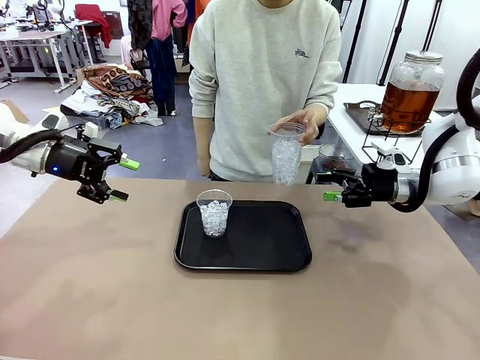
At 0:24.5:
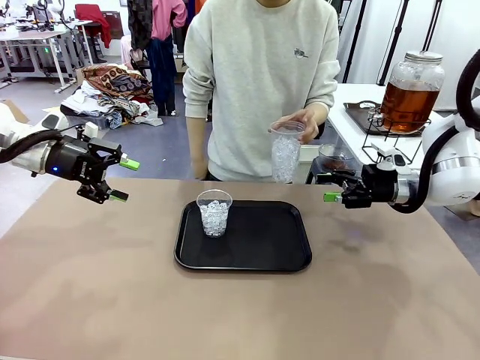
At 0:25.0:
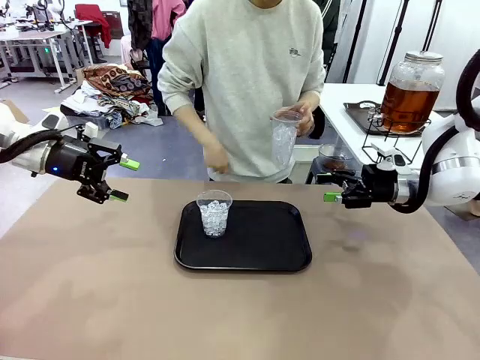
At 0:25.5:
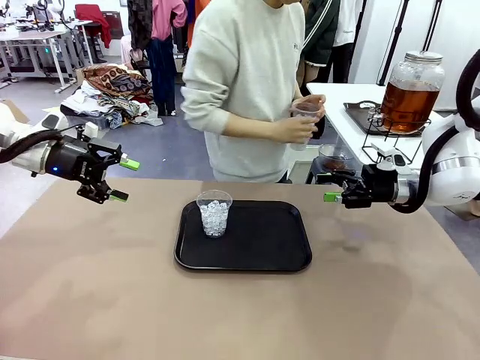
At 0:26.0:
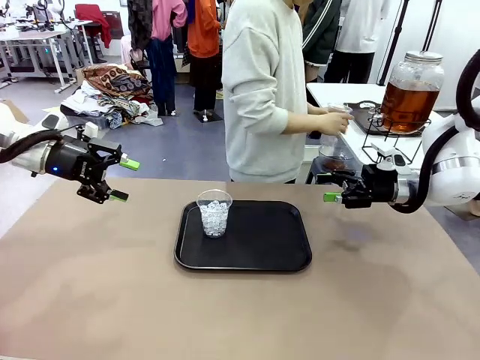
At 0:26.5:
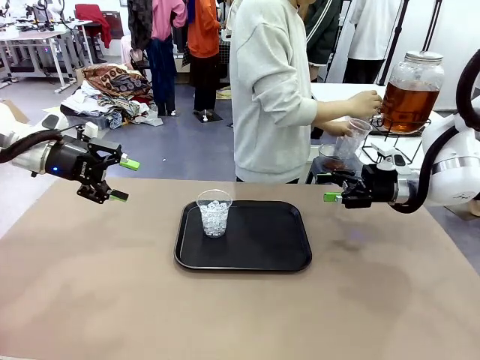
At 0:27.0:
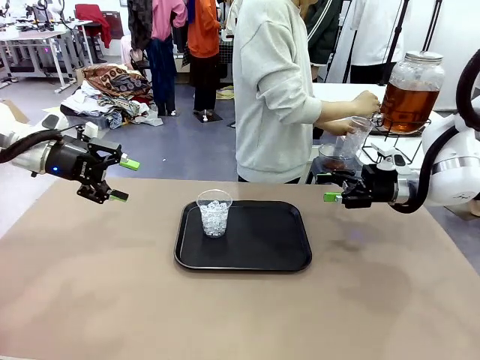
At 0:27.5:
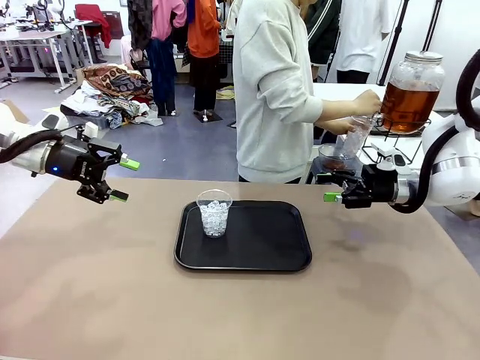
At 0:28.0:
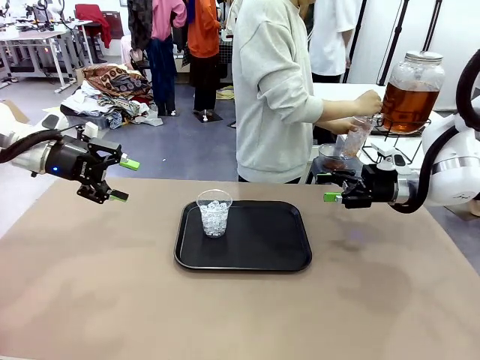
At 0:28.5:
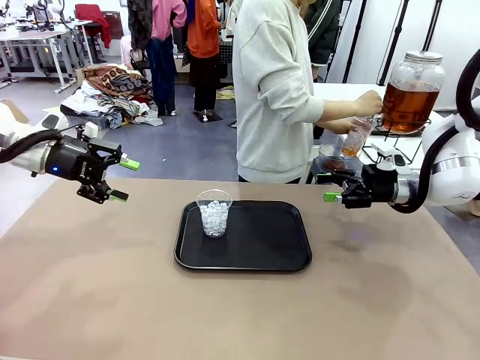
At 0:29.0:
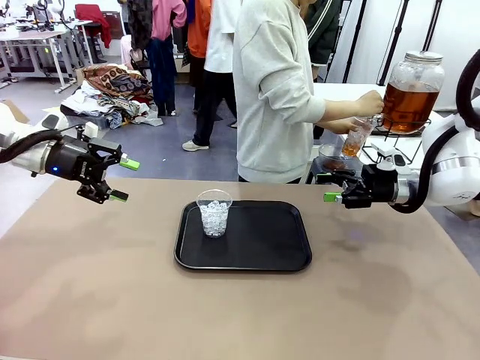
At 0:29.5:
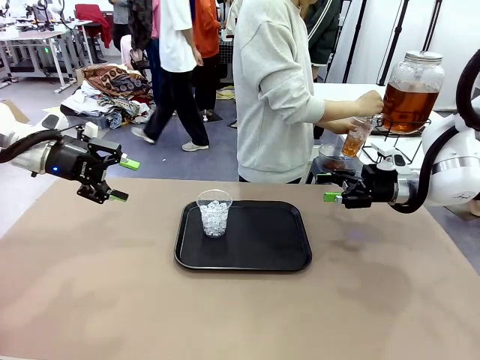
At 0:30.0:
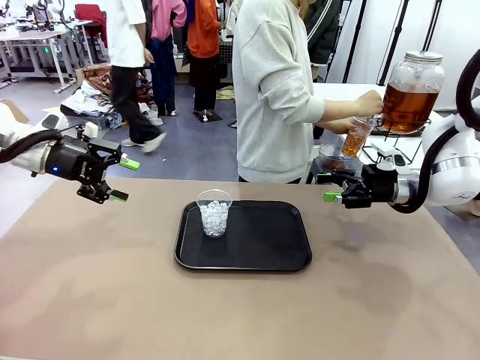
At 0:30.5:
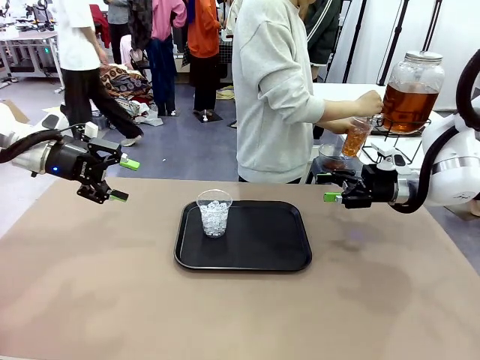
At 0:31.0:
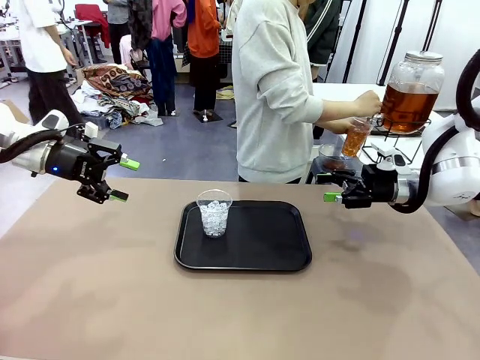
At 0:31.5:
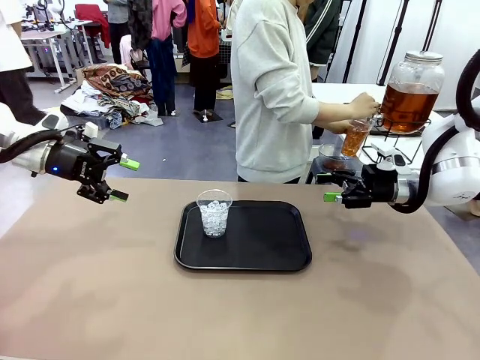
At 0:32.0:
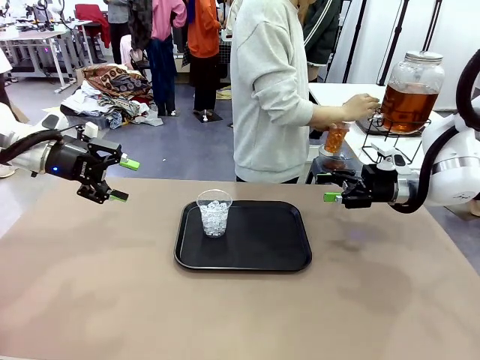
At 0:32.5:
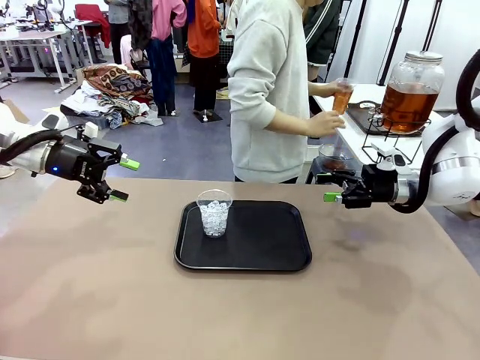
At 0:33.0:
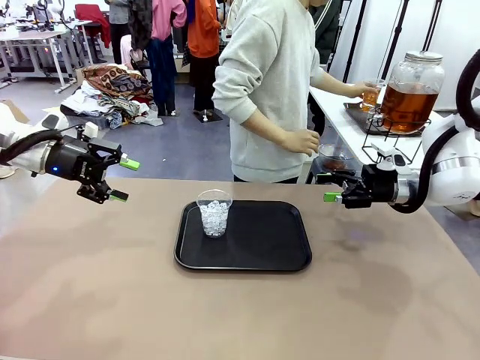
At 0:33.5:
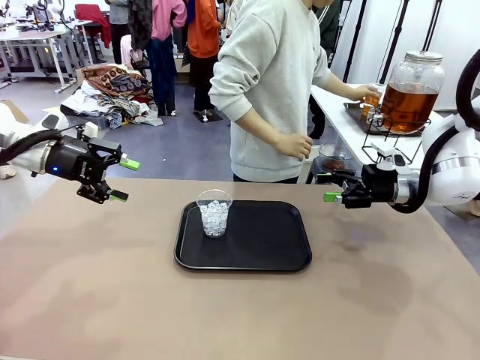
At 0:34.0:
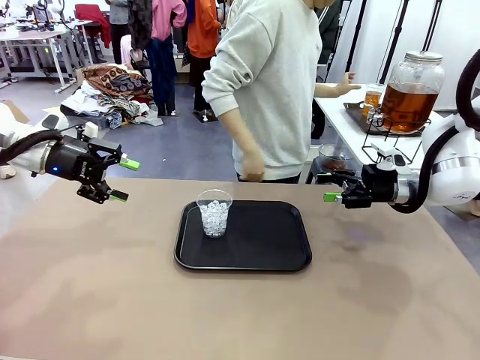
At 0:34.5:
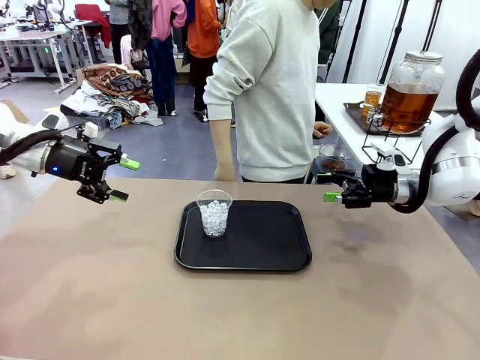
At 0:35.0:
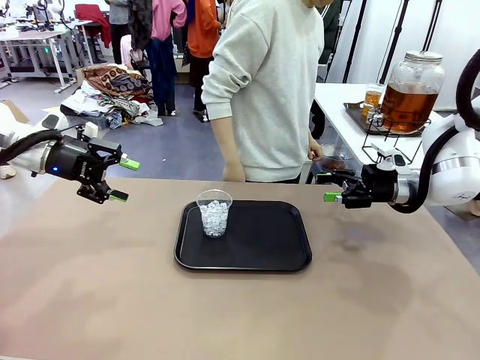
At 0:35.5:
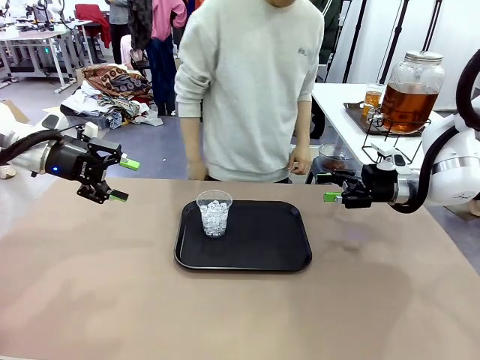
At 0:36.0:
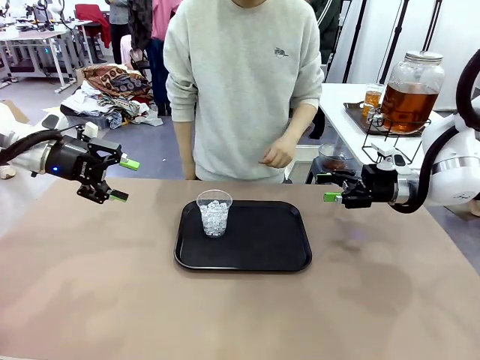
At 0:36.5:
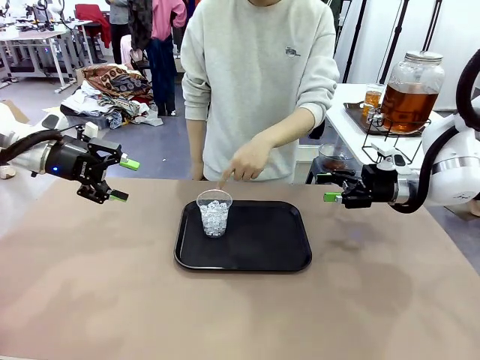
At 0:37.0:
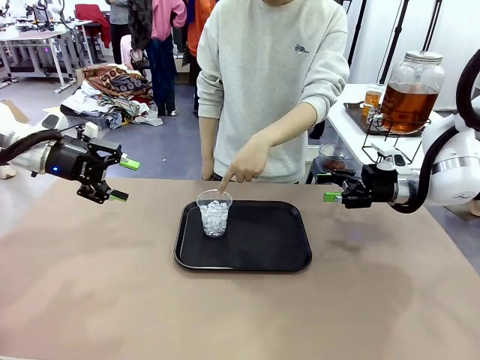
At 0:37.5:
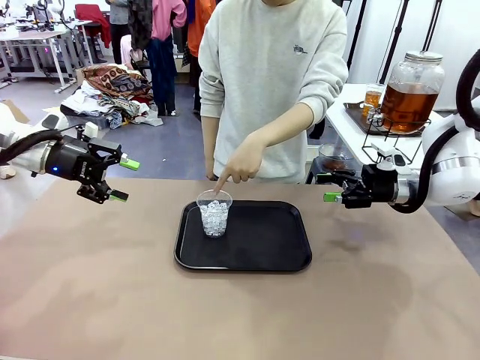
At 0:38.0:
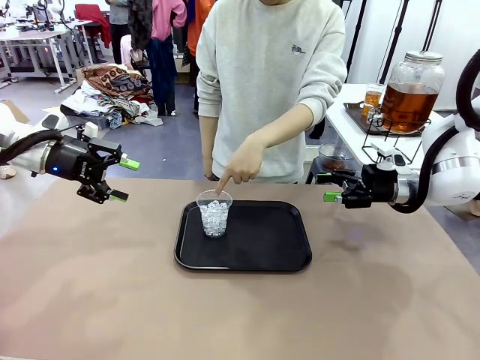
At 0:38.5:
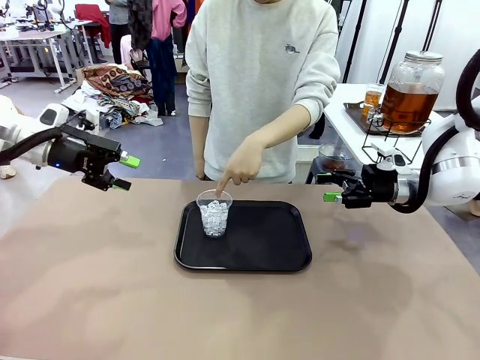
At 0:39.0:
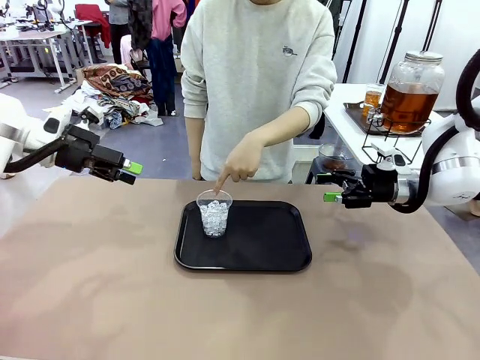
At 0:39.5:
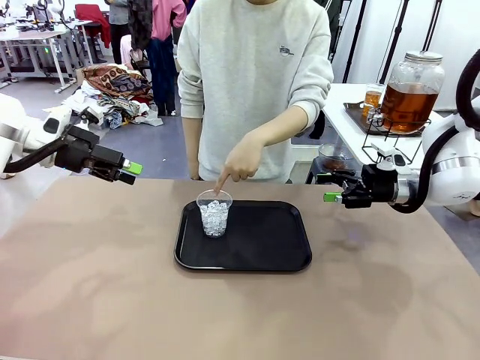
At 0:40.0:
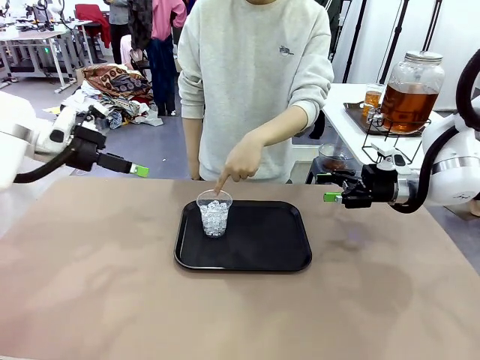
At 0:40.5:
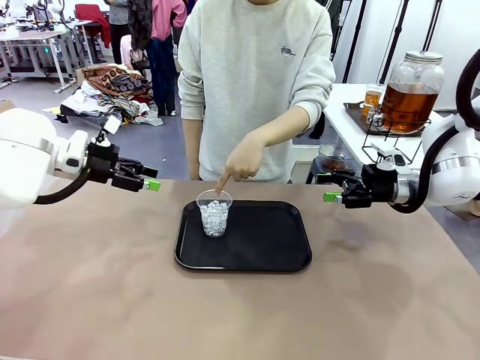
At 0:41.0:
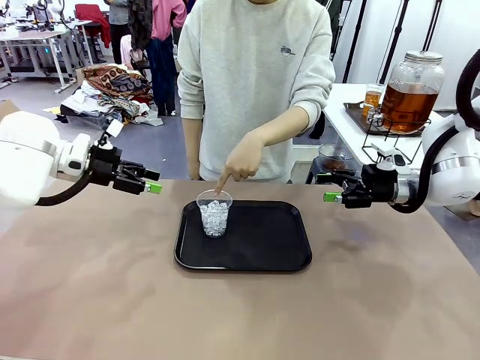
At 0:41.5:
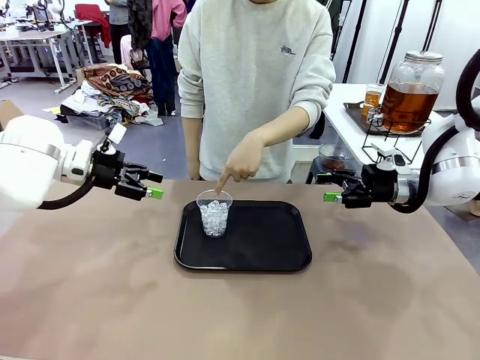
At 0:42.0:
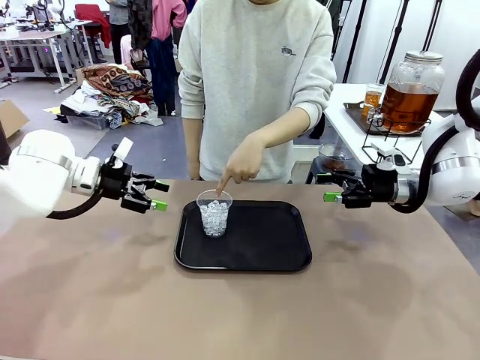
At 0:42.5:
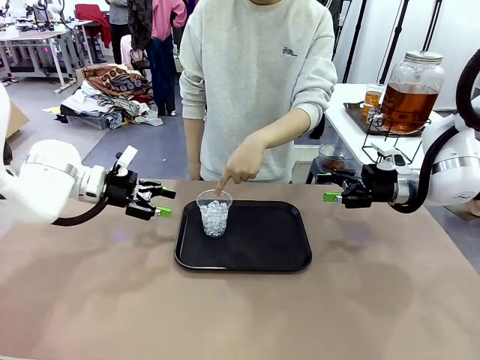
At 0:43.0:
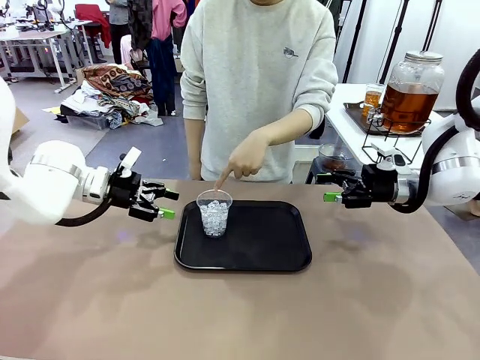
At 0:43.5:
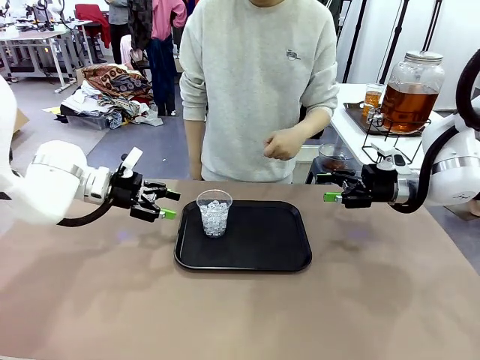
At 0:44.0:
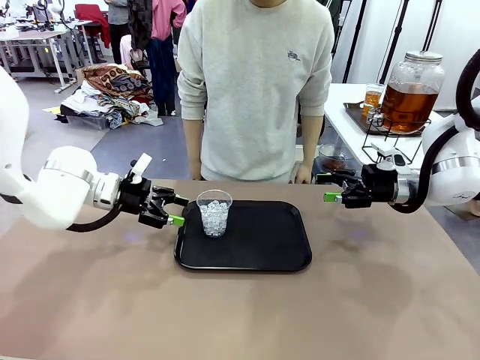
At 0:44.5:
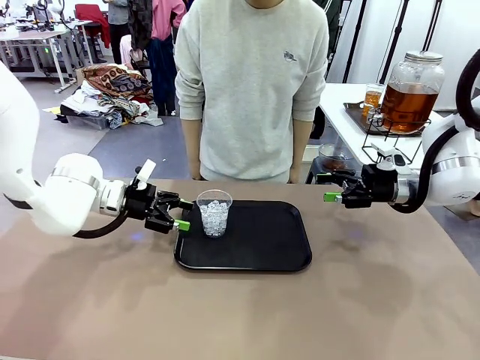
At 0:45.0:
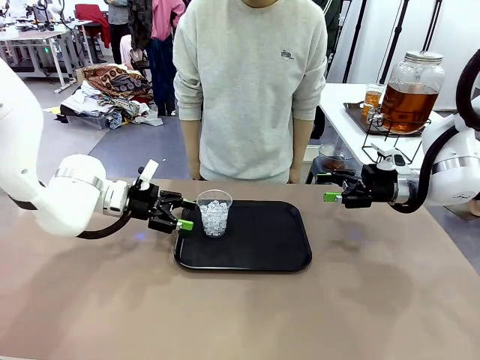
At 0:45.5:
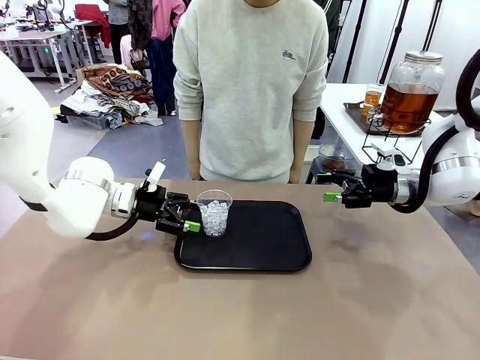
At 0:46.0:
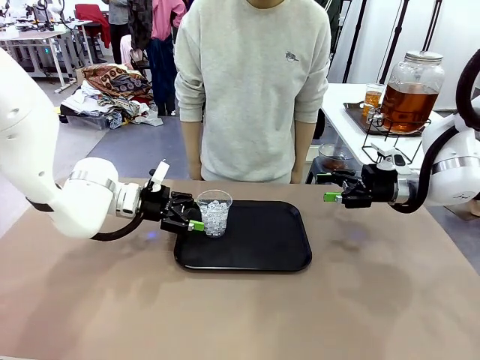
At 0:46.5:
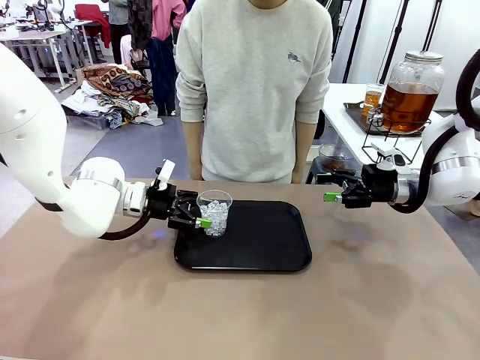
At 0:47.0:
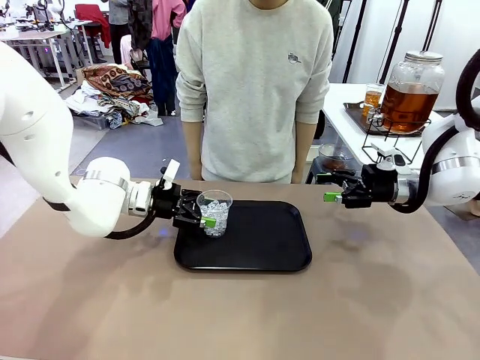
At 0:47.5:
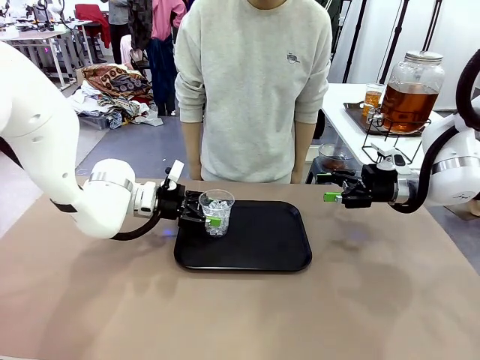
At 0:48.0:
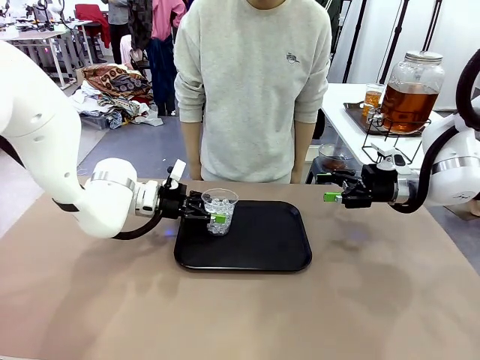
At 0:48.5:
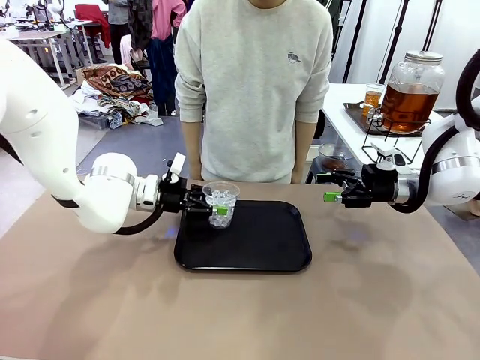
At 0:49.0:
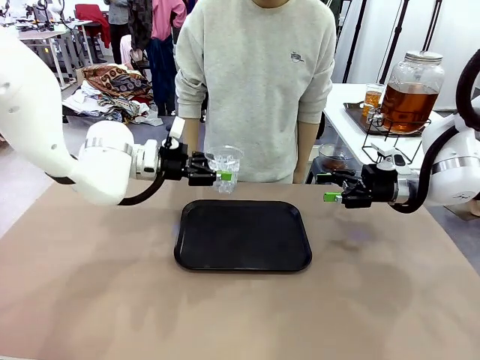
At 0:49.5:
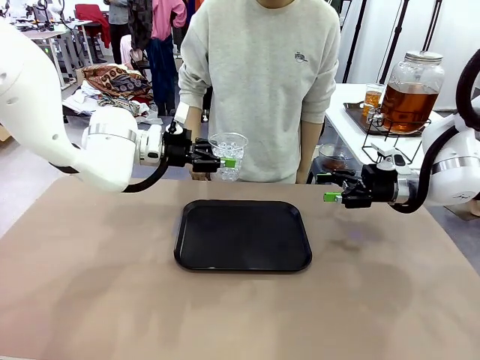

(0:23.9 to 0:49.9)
Task: Pour the drink into the iced cup.
Robot: Pick up the iced cup indicated by the human and present it to them.
Person: Move the picked-up cup under the dispenser faucet, pour the drink, and place it on the tray on the human table. Point to the remaining ice cup on the robot table. Pick up the cup offered by the robot.
